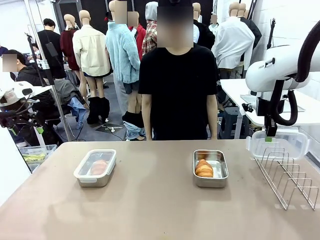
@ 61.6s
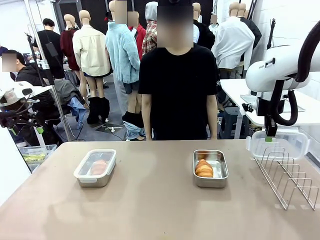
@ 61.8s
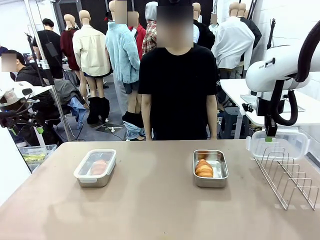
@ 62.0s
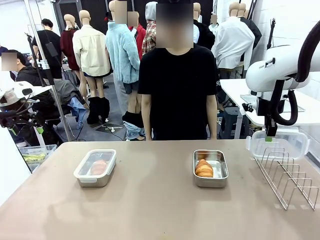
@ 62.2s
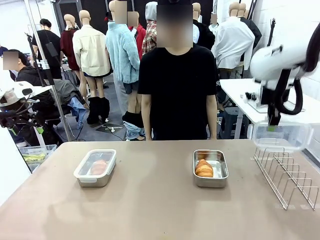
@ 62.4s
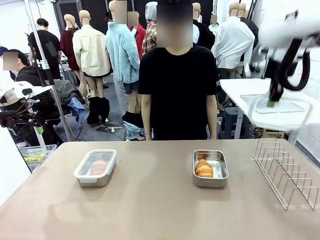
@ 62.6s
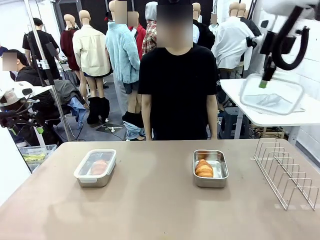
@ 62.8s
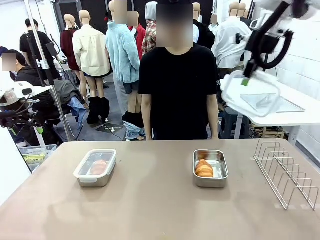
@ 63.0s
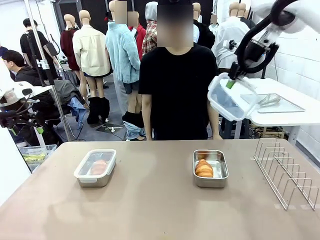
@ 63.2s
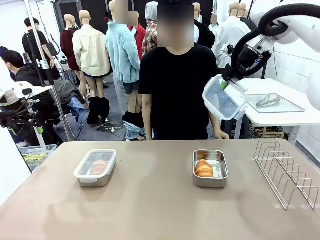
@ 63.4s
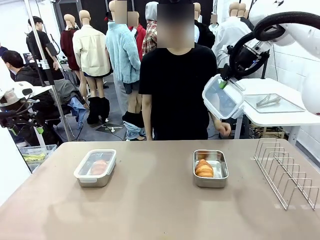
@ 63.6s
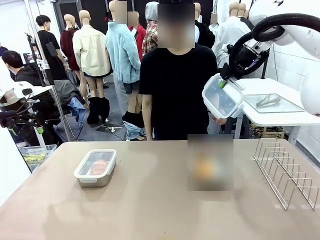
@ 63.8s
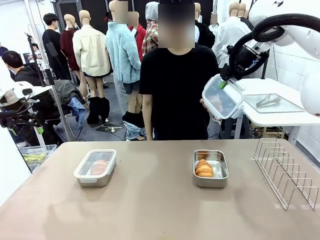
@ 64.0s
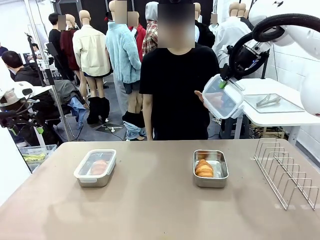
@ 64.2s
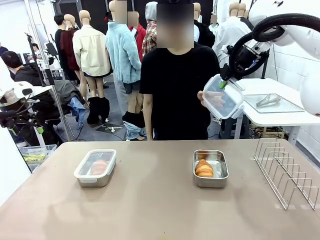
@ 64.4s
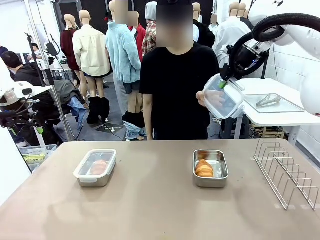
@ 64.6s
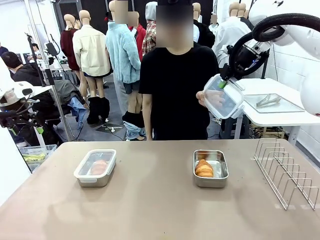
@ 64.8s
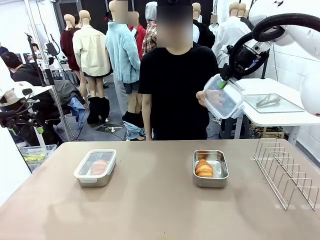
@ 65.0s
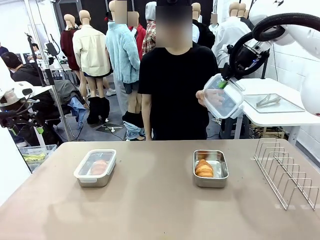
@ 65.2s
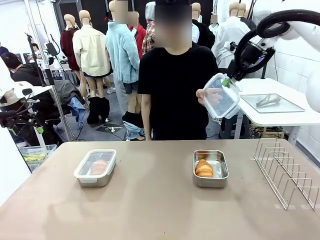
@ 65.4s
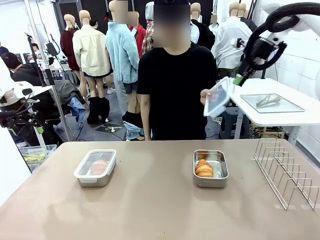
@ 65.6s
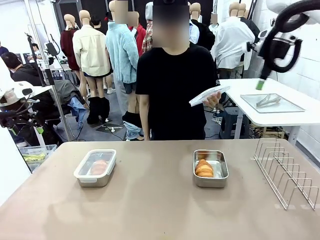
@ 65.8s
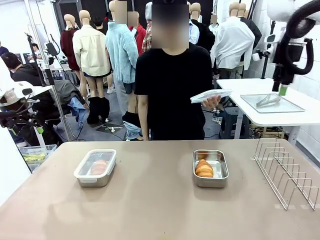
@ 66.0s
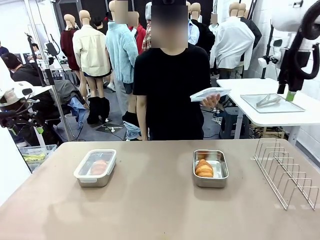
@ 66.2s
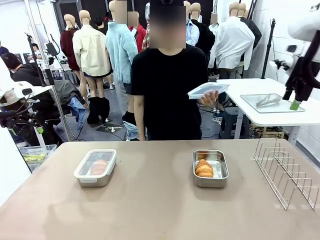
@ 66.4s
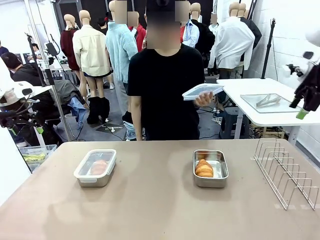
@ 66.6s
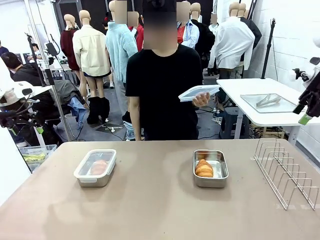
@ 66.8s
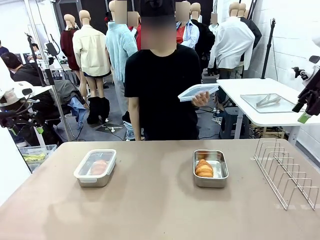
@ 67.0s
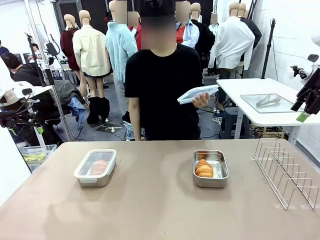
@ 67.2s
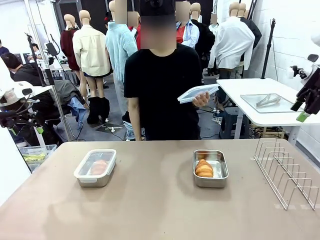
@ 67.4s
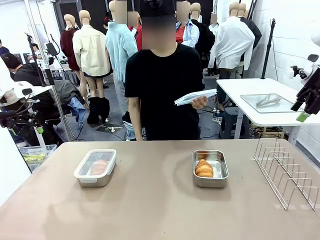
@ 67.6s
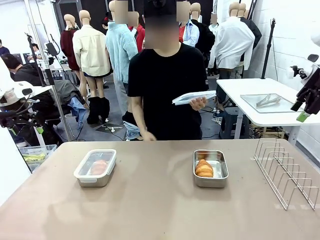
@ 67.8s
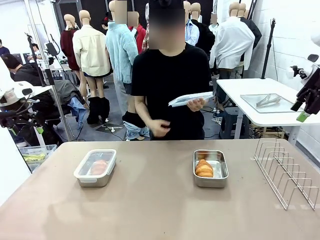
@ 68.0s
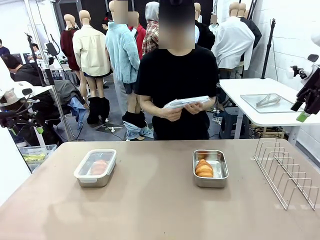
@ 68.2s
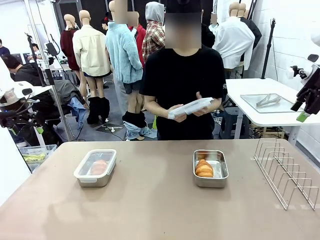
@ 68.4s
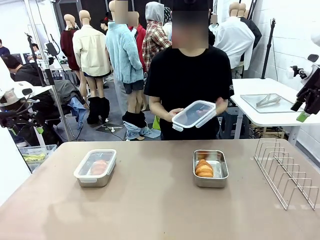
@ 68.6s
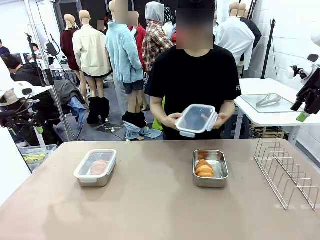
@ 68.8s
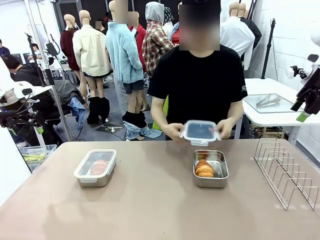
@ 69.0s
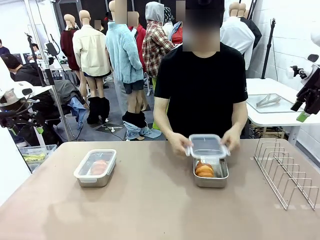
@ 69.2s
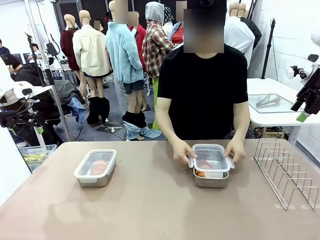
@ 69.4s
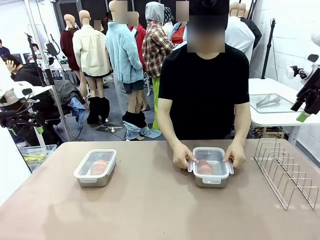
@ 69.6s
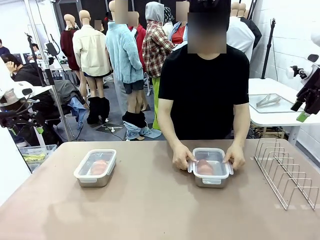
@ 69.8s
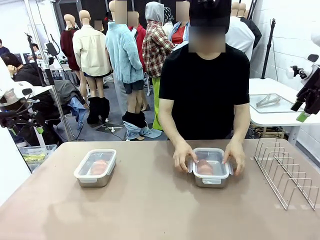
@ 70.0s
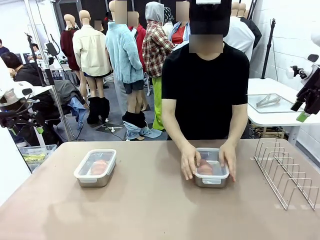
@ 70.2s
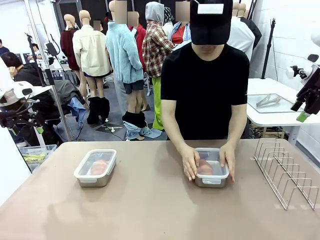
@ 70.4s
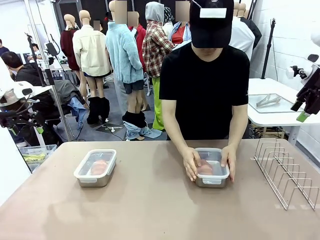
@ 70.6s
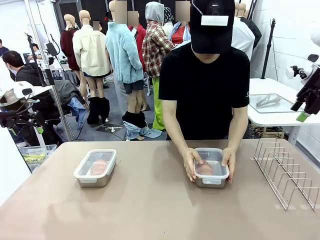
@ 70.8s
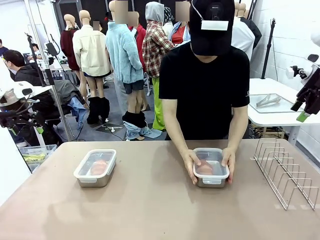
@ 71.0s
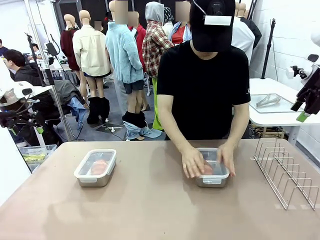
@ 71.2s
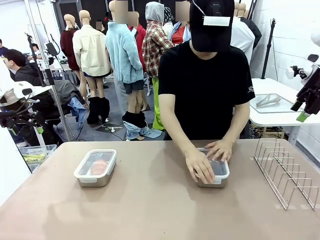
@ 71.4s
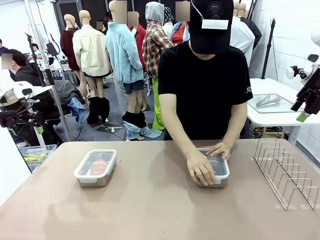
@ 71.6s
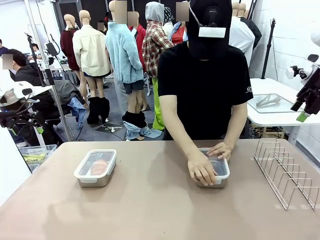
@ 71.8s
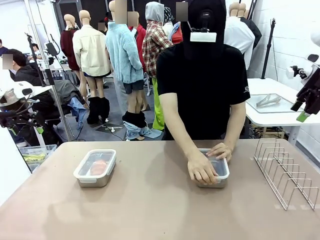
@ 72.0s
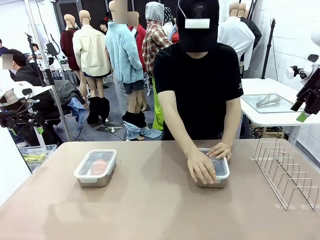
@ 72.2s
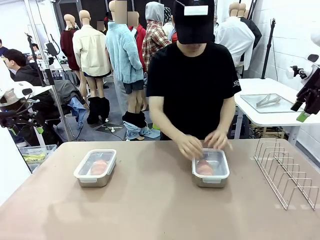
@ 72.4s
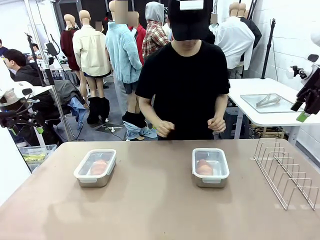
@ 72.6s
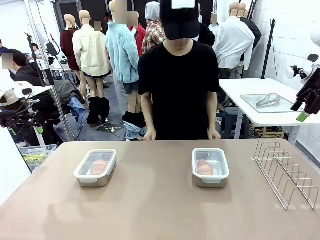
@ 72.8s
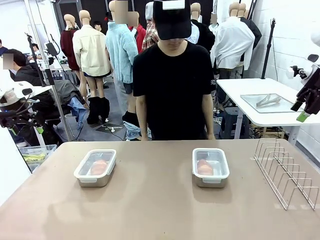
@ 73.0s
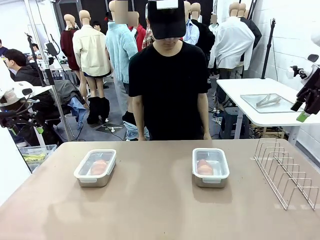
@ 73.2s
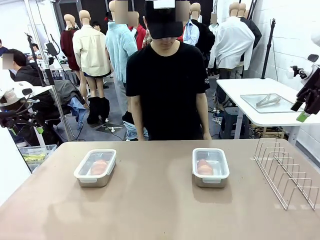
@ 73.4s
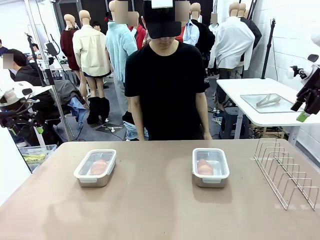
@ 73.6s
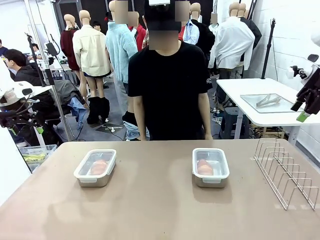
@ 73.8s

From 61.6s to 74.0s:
Task: Place the bread in airtight containers.
Robot: Release when the human grabs the Airtight Container lid.
Person: Grip Airtight Container lid that robot is handing. Close Airtight Container with a handed Airtight Container lid.

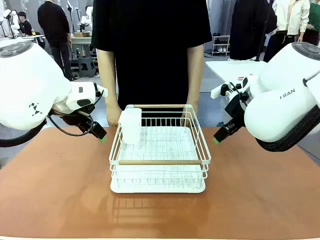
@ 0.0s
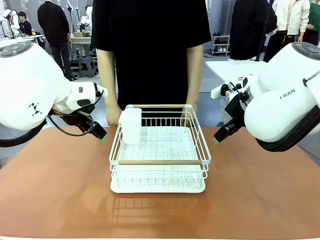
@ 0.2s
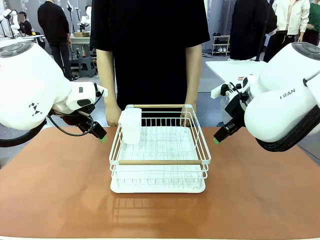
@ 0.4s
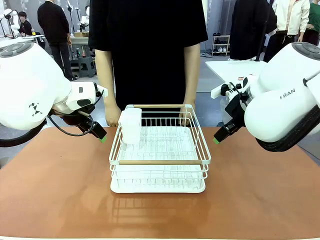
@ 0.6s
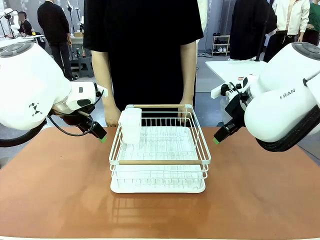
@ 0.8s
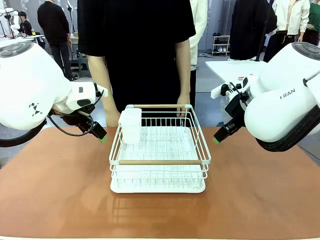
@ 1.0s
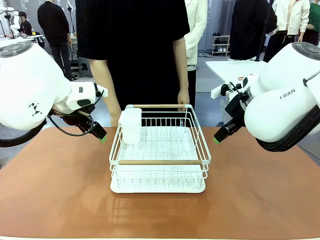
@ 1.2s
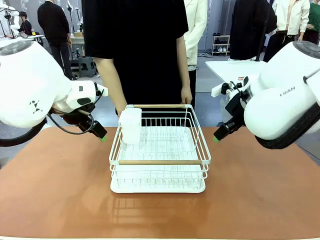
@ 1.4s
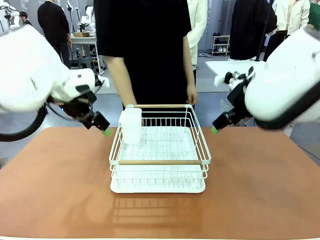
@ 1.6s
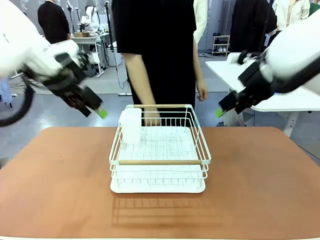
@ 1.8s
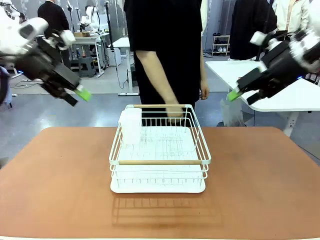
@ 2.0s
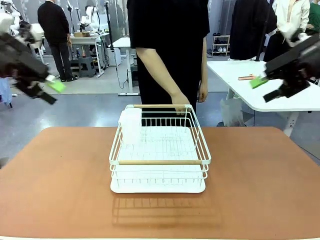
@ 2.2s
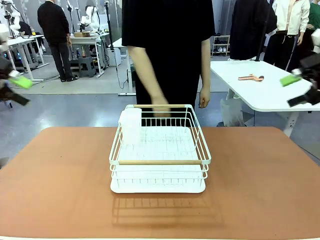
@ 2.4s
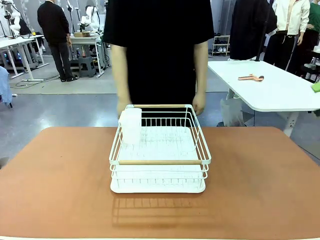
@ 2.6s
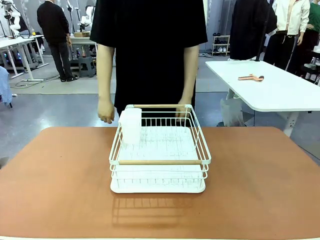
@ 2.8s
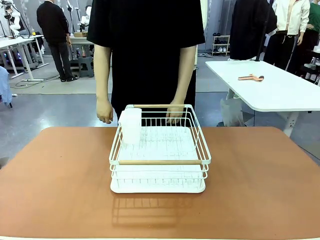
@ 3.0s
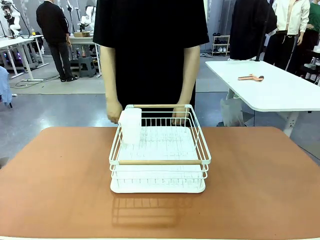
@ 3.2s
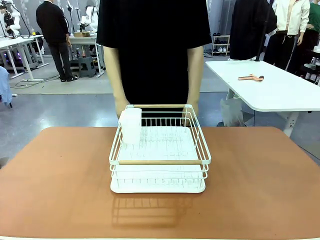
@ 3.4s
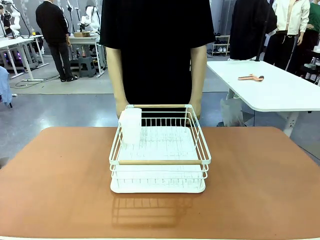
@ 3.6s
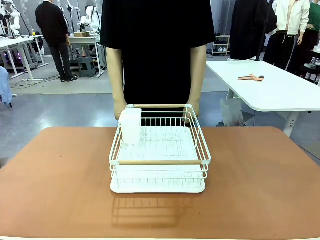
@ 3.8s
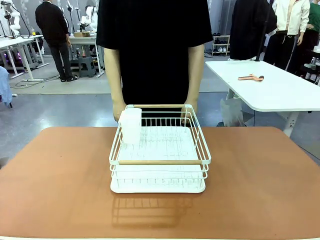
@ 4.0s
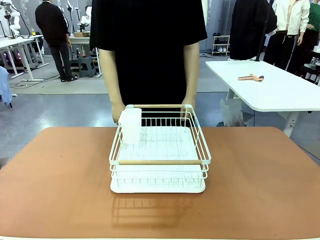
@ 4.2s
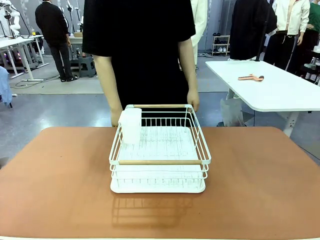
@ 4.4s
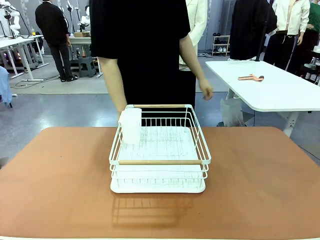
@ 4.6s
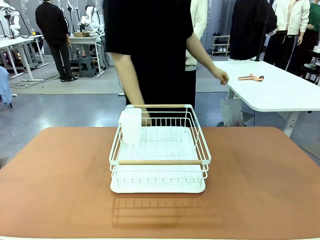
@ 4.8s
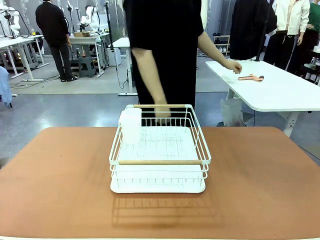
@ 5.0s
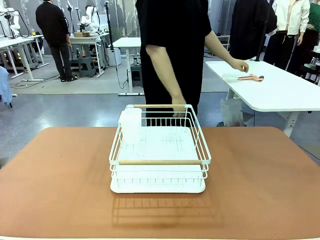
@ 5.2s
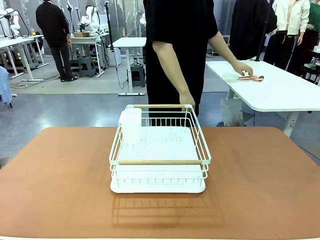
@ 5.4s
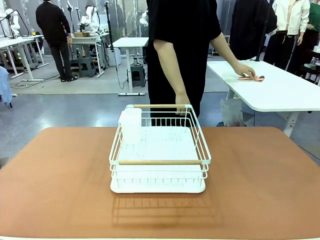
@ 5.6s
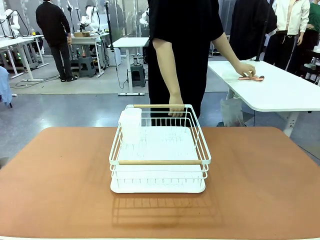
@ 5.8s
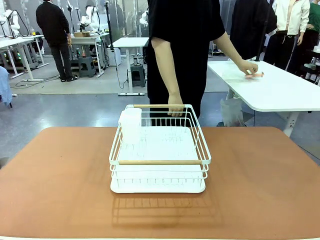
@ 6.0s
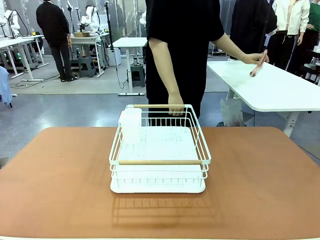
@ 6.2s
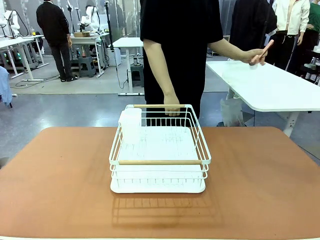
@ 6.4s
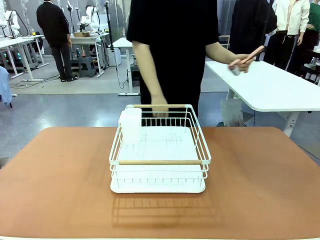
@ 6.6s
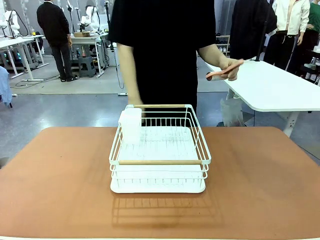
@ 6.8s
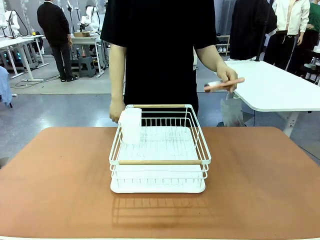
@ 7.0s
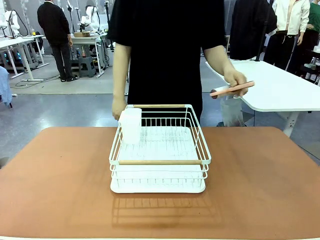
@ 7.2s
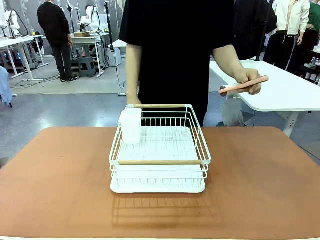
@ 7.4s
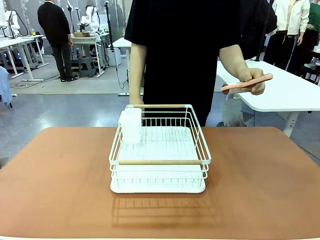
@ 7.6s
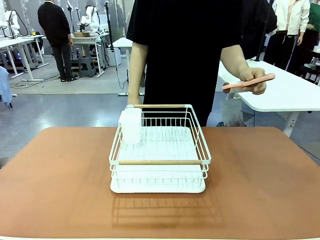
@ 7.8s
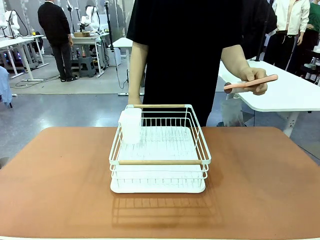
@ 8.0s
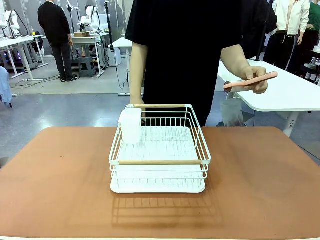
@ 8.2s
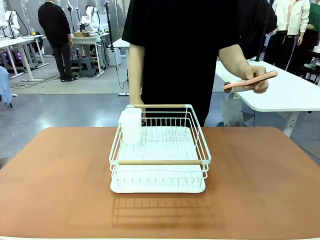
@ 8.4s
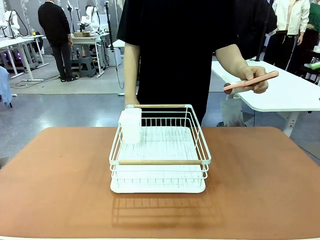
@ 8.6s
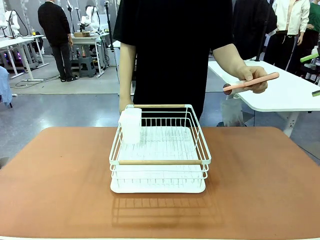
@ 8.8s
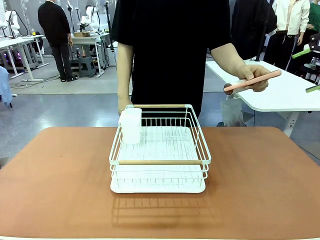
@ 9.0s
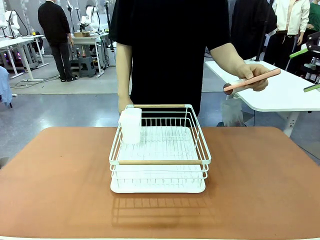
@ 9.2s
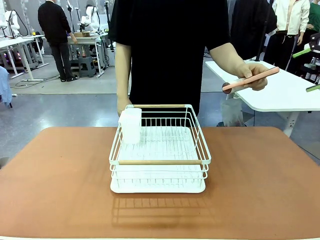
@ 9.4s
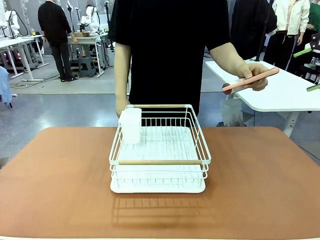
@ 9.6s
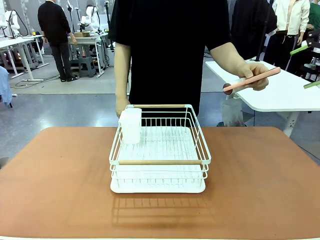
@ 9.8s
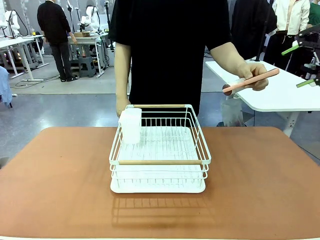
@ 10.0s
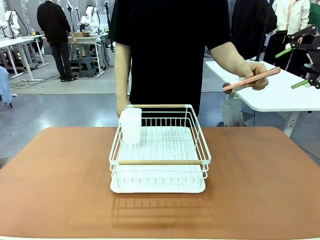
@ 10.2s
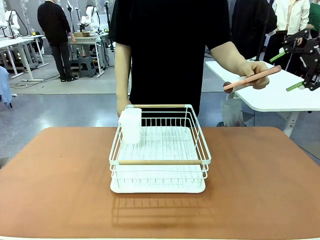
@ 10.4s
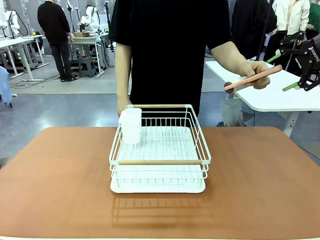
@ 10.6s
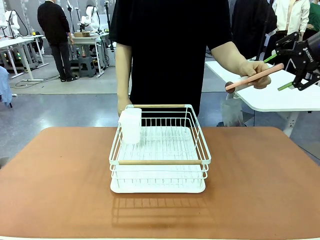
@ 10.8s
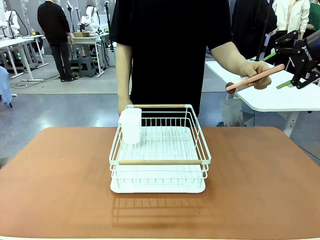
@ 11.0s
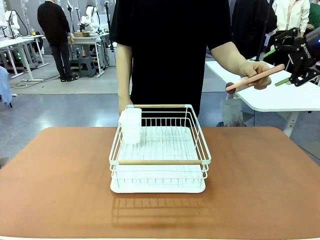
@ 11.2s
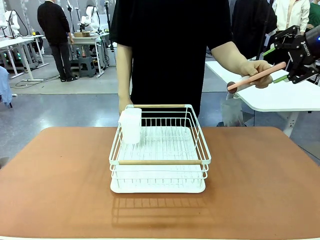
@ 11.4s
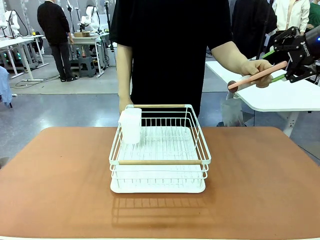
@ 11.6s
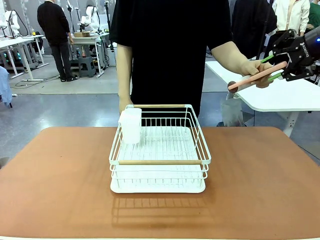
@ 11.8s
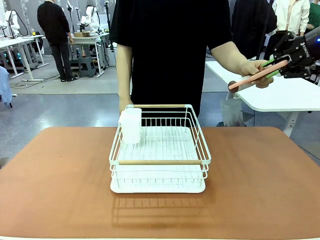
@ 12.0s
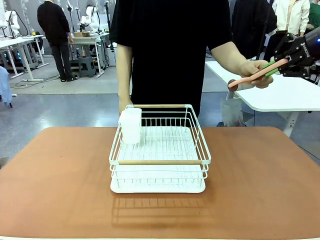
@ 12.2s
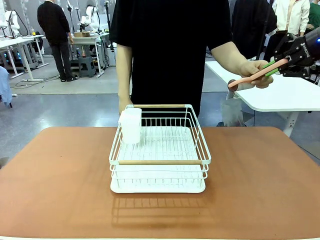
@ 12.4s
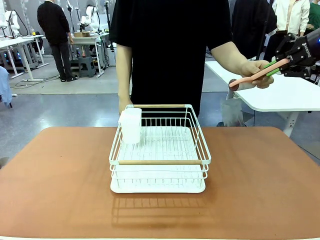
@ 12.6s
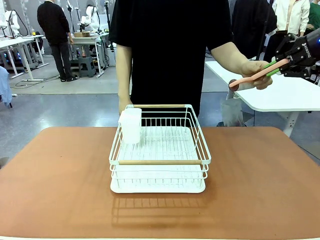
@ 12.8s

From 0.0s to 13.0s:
Task: Clean the table.
Robot: Pick up the Lint Roller when the human hands it over.
Person: Hand the Lint Roller to the robot so it can easily pick it up. Lift the Dish drying rack.
